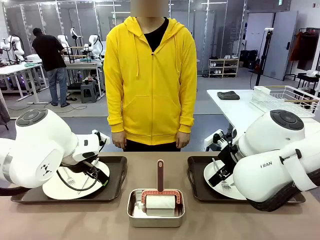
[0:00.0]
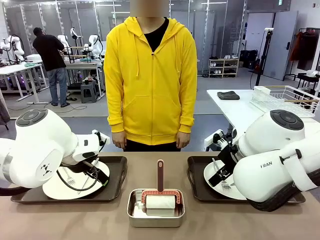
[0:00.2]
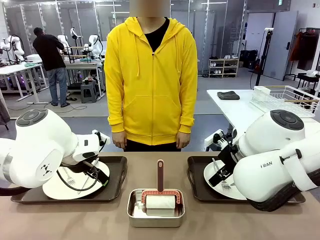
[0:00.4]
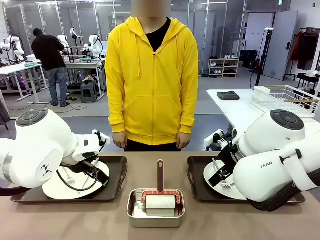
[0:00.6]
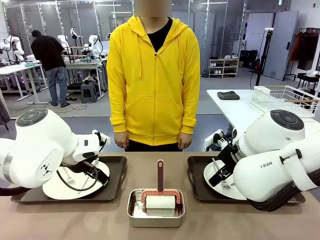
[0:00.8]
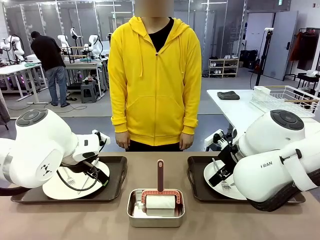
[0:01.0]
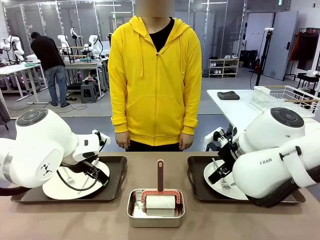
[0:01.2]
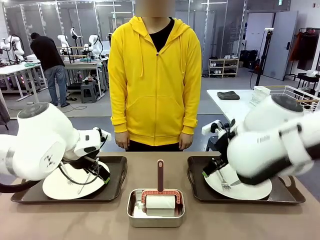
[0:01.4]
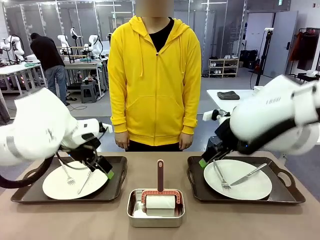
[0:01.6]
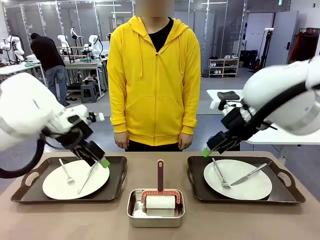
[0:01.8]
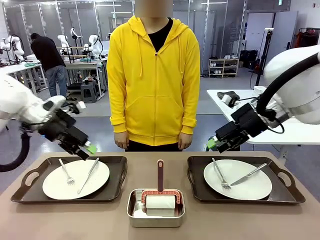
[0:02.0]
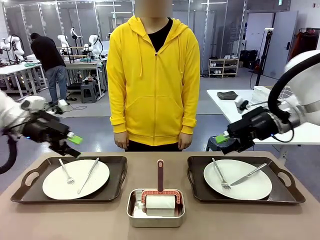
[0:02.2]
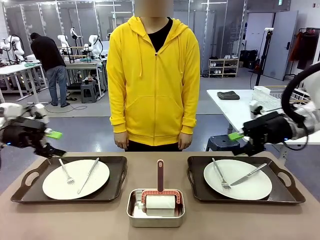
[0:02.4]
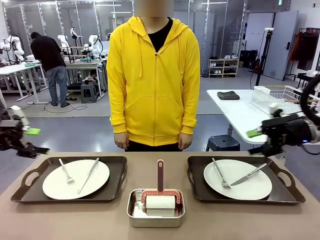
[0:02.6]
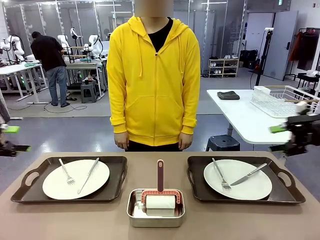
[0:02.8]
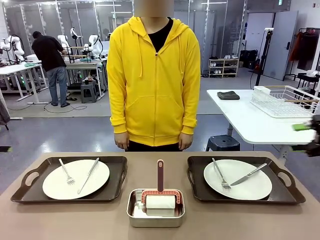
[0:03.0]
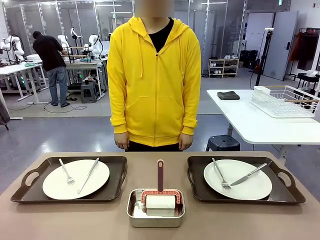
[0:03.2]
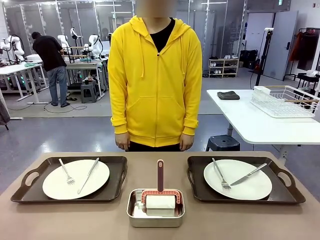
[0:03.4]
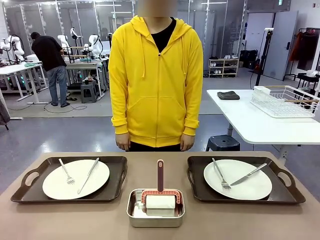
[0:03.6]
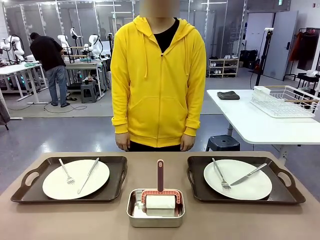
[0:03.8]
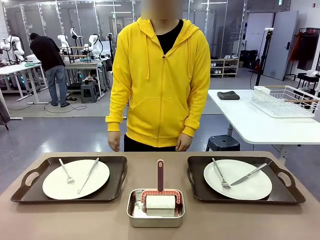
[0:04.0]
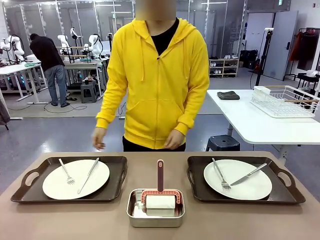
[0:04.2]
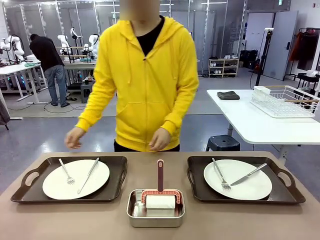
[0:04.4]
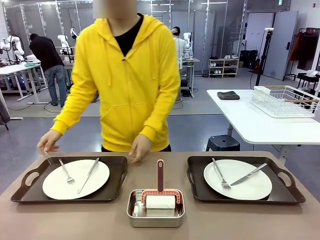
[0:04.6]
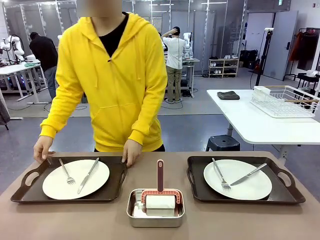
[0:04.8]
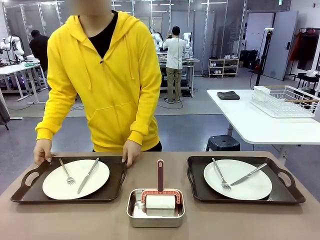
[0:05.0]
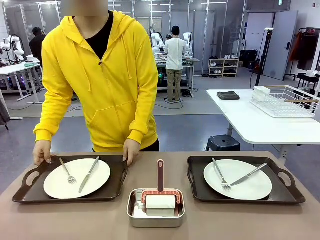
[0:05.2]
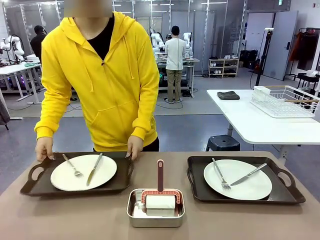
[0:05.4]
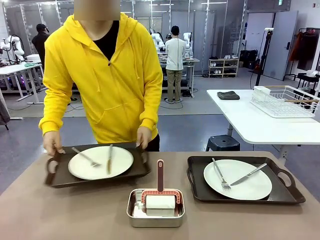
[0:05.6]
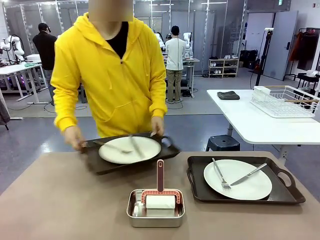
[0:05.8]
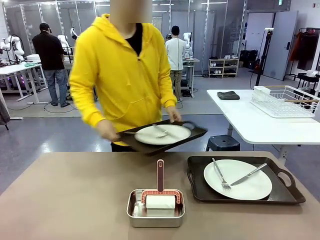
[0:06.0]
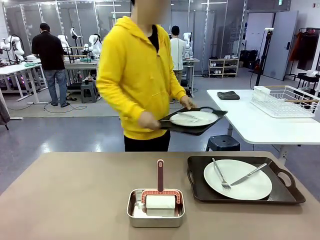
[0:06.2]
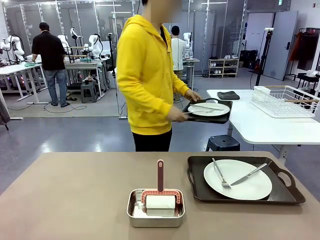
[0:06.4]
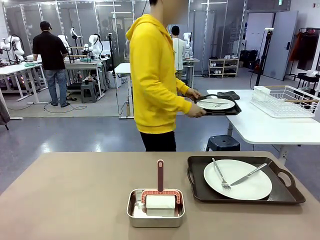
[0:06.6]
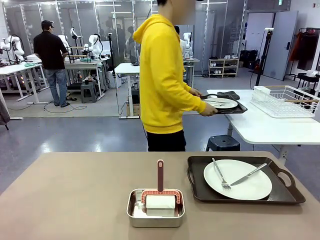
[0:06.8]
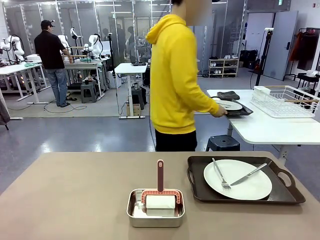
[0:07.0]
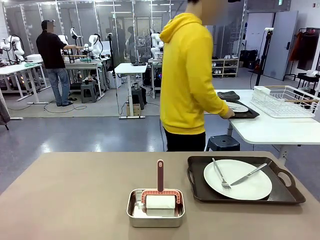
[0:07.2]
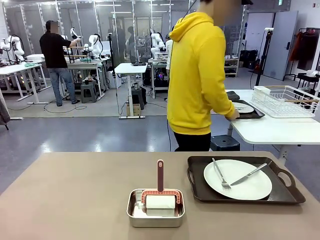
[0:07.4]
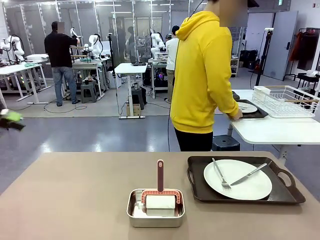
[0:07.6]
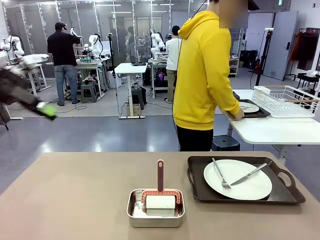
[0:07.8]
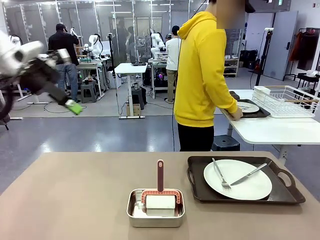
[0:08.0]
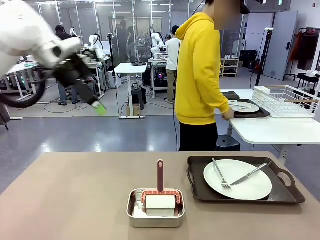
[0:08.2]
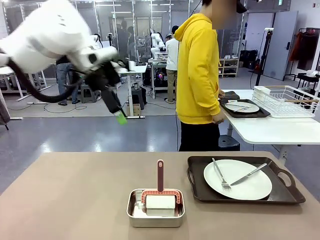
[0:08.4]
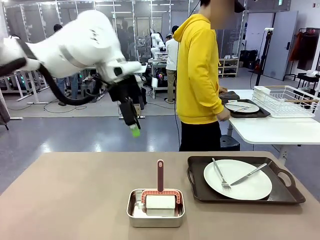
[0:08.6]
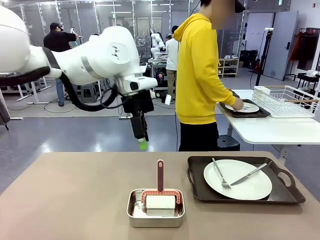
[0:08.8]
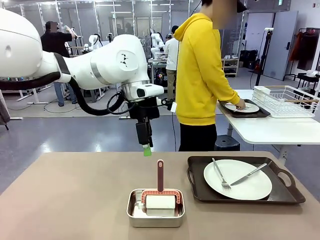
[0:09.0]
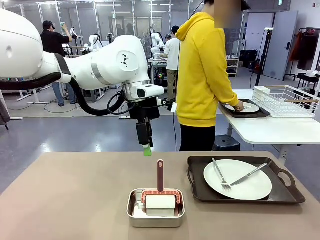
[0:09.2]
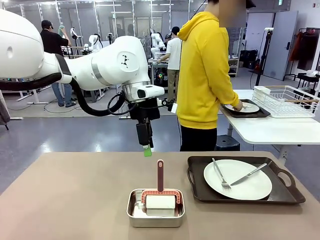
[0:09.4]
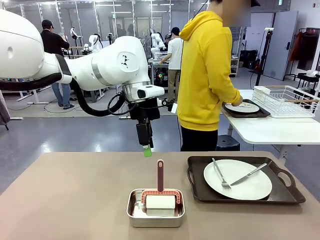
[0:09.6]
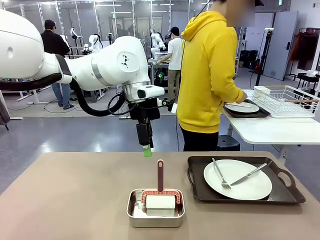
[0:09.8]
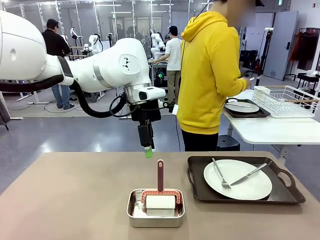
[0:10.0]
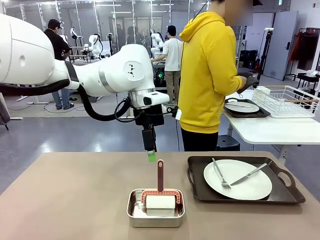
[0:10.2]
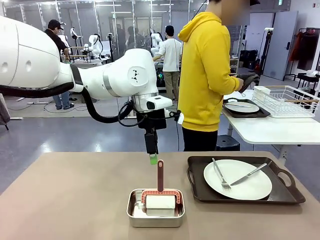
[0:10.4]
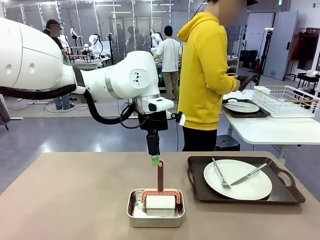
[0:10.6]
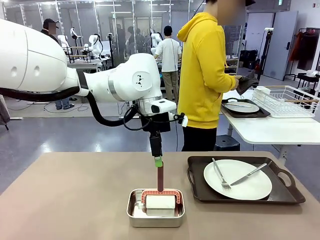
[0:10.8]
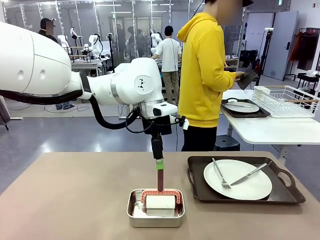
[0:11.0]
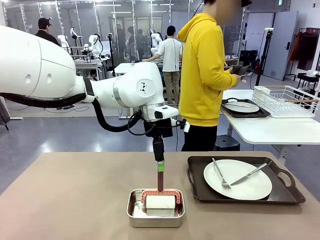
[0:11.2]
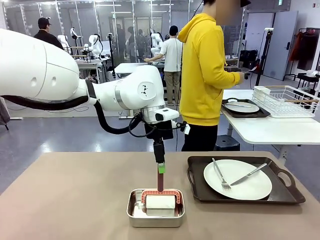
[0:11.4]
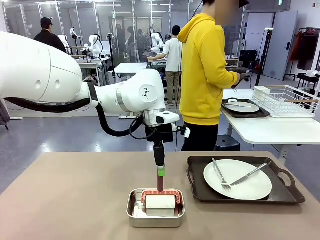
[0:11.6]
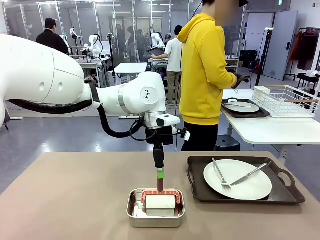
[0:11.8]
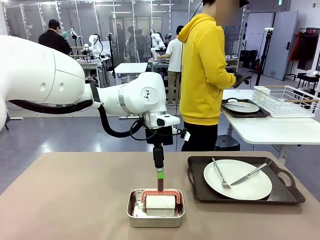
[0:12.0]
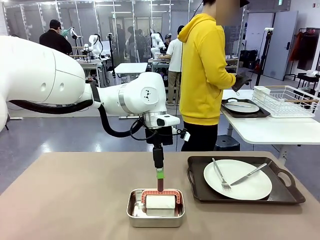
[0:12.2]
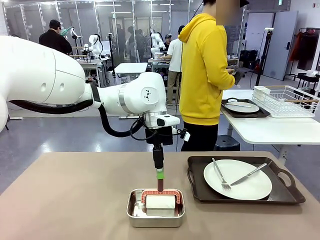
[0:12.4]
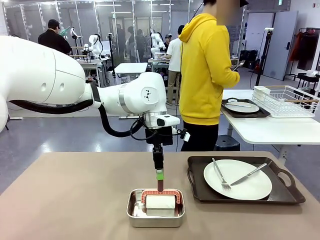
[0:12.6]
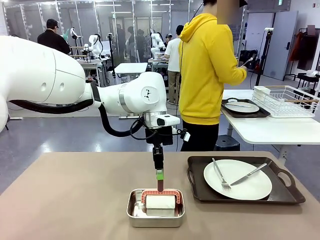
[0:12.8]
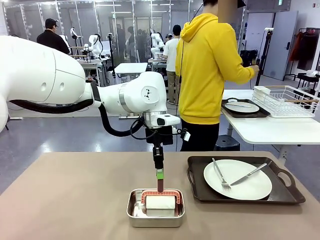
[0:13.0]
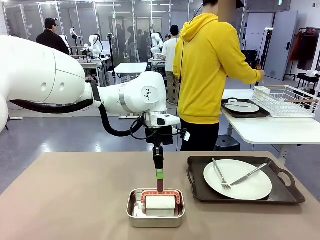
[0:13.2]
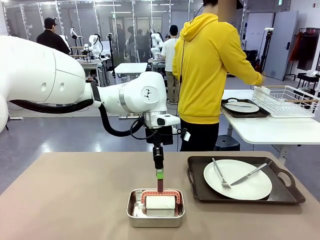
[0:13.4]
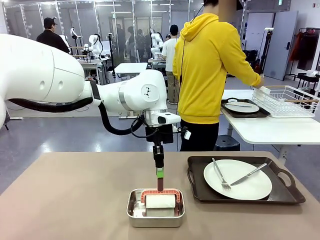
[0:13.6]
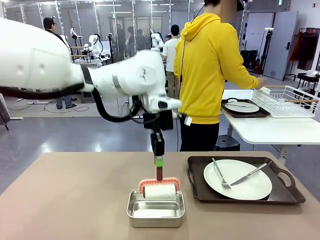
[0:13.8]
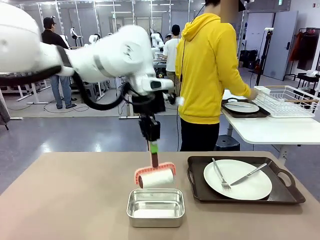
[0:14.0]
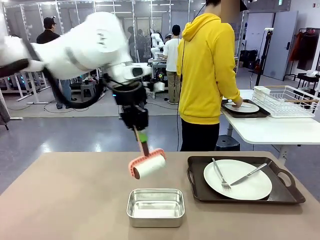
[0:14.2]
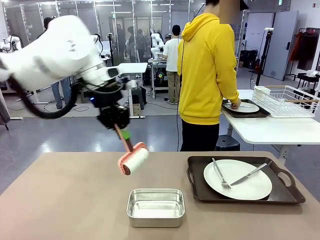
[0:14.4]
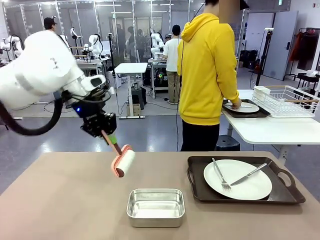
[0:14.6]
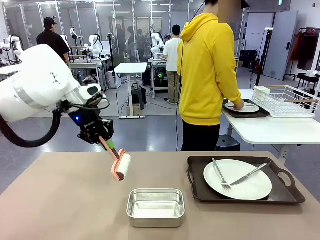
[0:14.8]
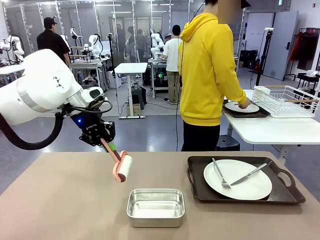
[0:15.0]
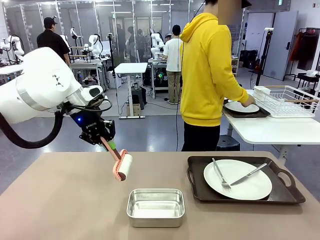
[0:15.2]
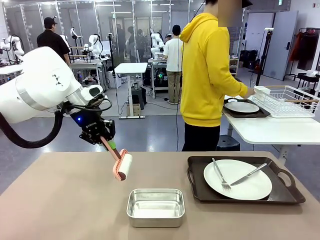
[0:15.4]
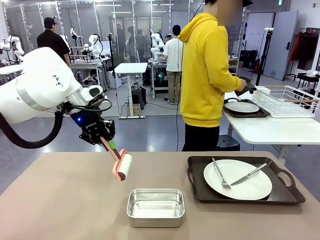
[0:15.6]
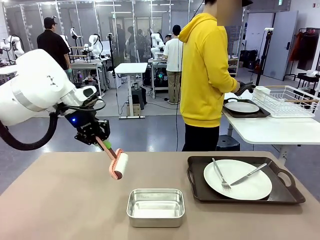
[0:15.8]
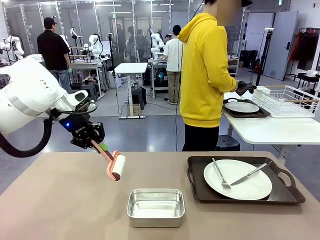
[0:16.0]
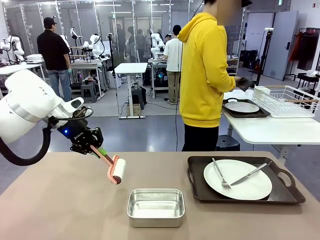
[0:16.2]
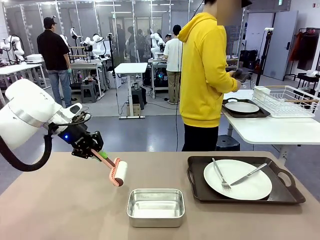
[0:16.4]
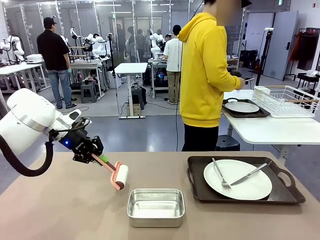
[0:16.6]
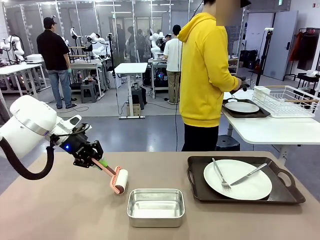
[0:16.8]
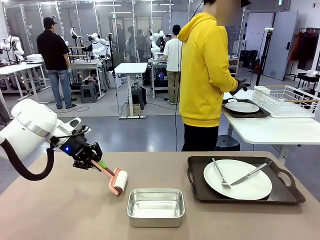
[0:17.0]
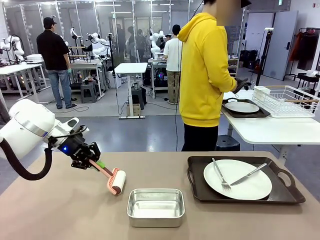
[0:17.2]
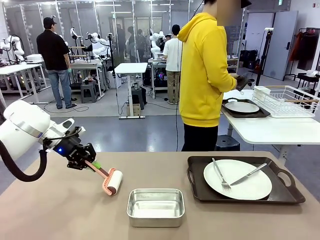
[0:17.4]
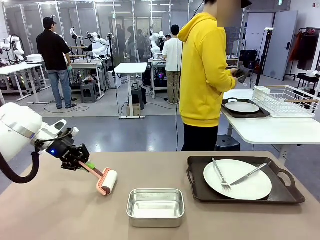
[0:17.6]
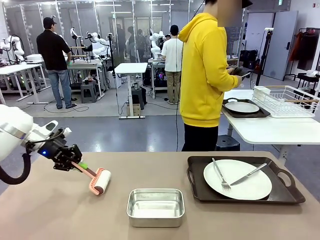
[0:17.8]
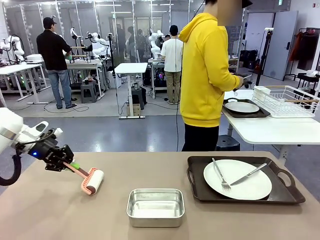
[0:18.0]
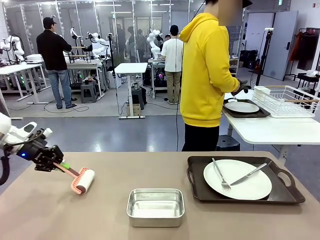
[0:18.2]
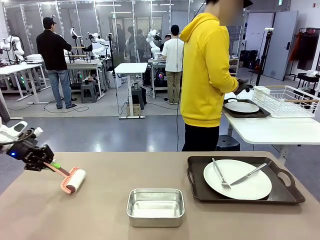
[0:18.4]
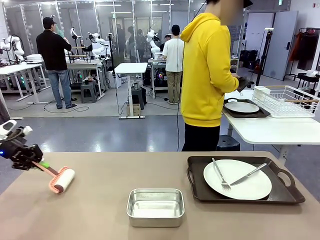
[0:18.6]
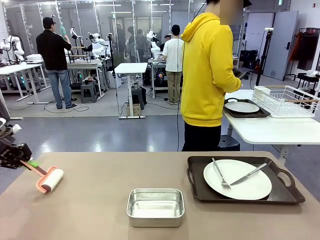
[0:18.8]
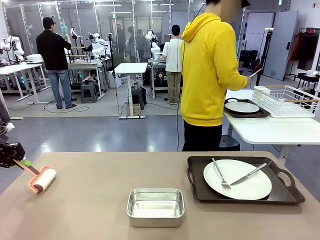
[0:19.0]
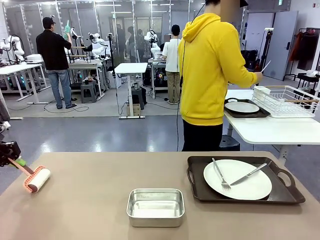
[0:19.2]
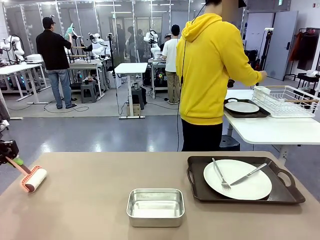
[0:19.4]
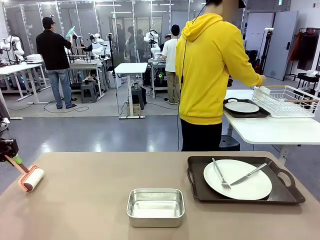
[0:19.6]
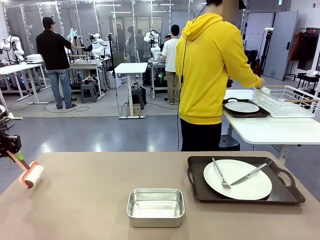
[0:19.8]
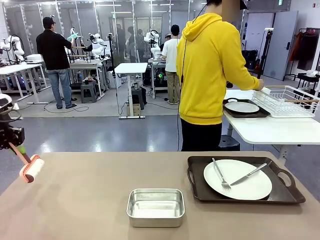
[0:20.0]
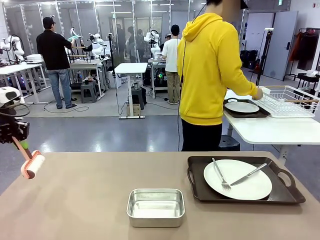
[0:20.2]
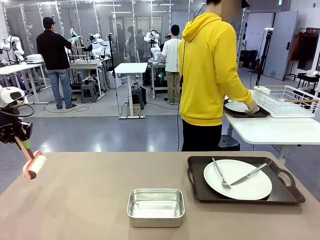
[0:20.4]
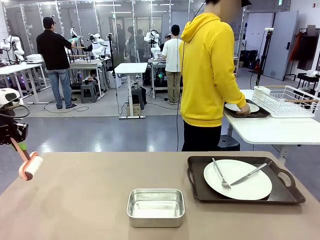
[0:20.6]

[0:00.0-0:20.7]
Robot: When the left (or right) Handle tray is removed, use the left hand (or right hand) to clean the left (or right) side of the table with the Lint Roller.
Person: Pick up the left (or right) Handle tray and place it on the middle of the Human's table. Use the Towel with hook to wipe the Plastic Matte Plate , Fork , and Knife and place into the Dish drying rack.
